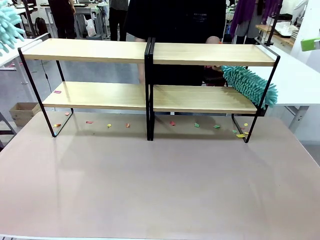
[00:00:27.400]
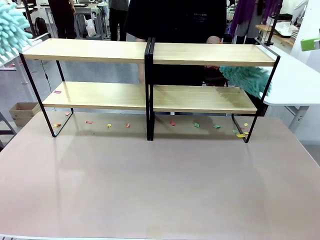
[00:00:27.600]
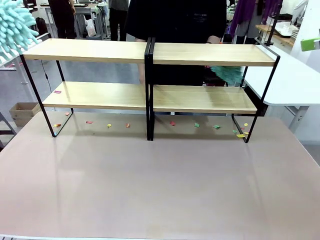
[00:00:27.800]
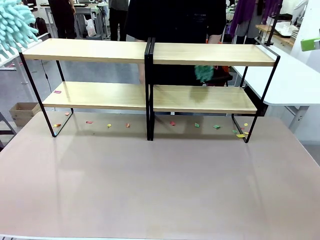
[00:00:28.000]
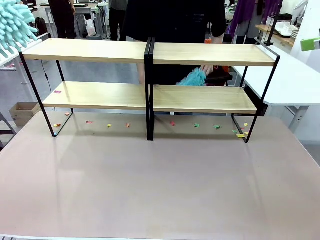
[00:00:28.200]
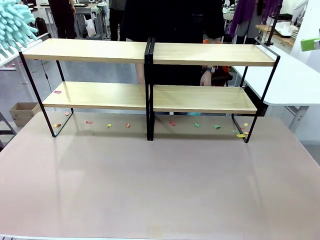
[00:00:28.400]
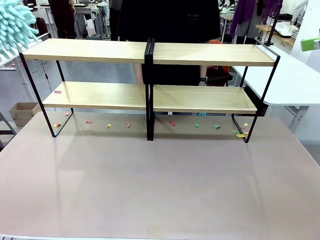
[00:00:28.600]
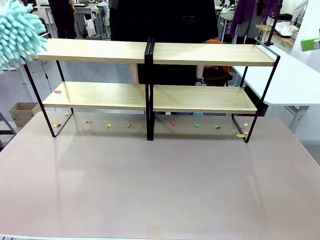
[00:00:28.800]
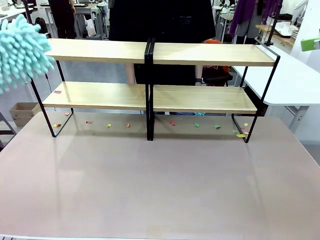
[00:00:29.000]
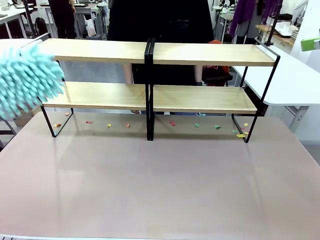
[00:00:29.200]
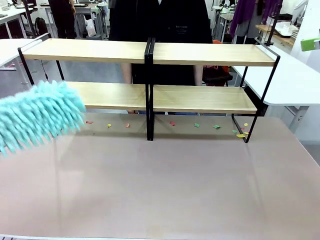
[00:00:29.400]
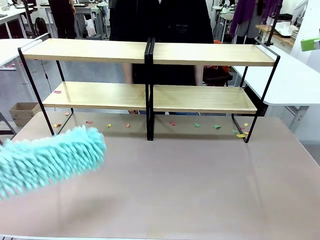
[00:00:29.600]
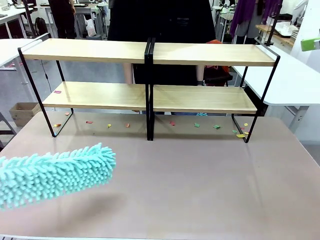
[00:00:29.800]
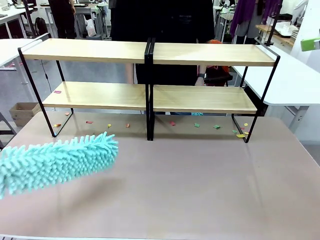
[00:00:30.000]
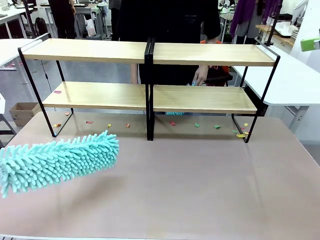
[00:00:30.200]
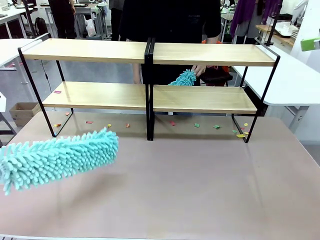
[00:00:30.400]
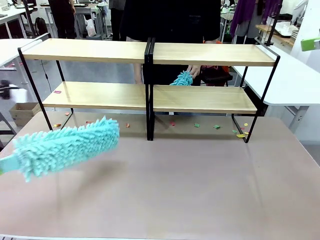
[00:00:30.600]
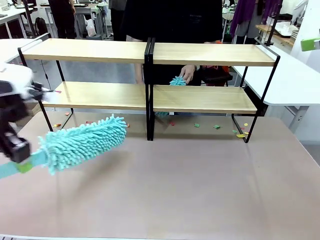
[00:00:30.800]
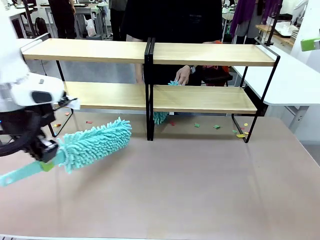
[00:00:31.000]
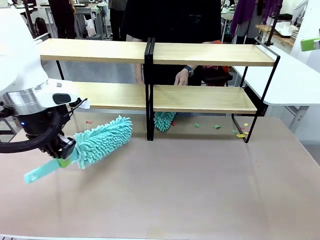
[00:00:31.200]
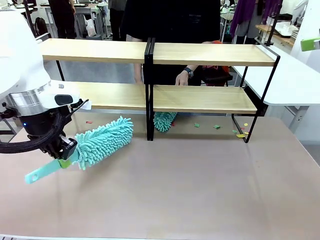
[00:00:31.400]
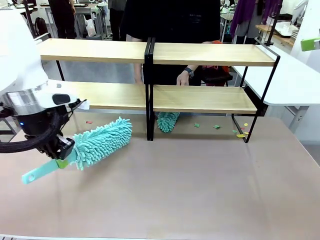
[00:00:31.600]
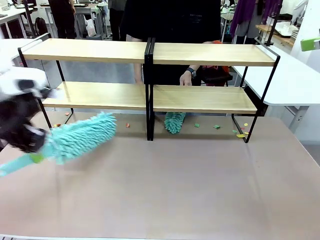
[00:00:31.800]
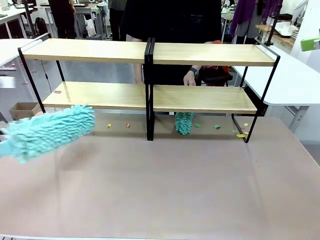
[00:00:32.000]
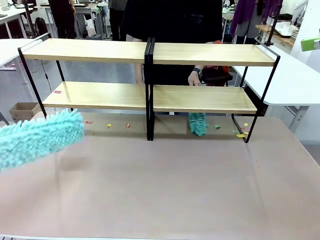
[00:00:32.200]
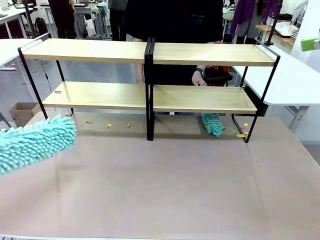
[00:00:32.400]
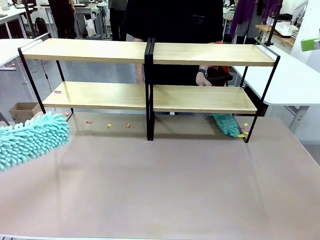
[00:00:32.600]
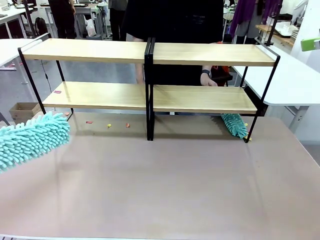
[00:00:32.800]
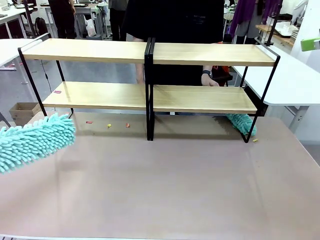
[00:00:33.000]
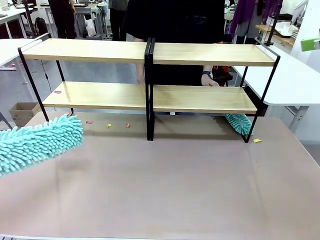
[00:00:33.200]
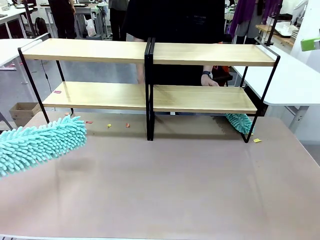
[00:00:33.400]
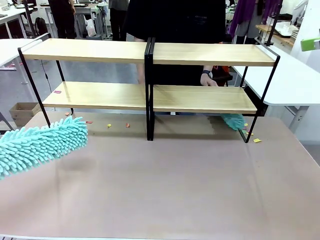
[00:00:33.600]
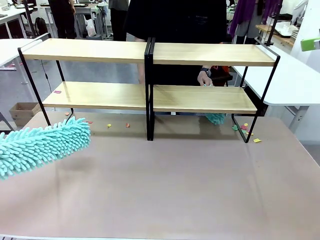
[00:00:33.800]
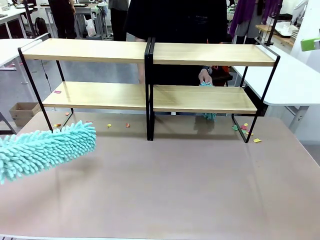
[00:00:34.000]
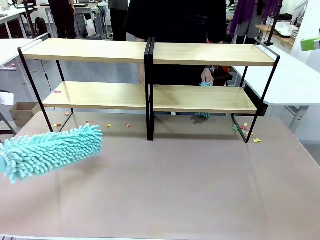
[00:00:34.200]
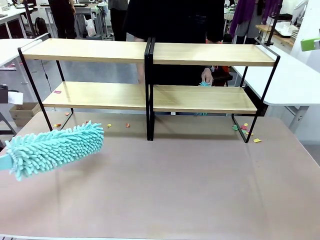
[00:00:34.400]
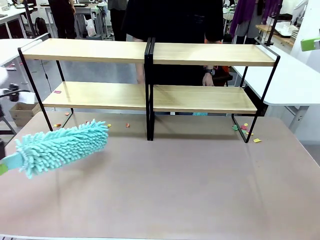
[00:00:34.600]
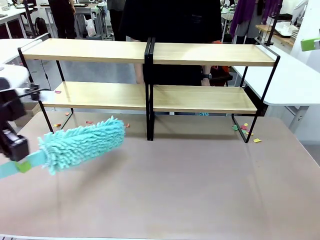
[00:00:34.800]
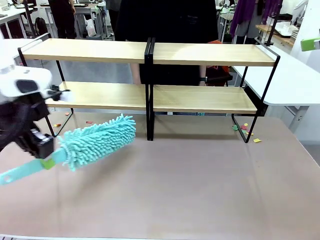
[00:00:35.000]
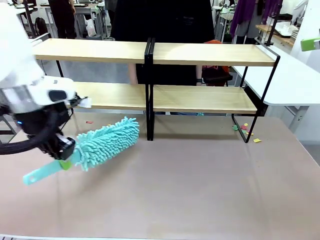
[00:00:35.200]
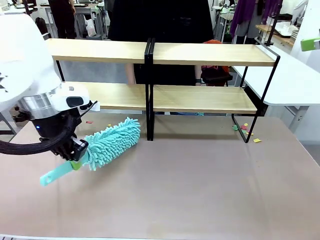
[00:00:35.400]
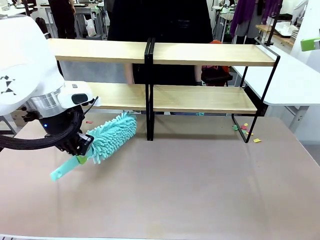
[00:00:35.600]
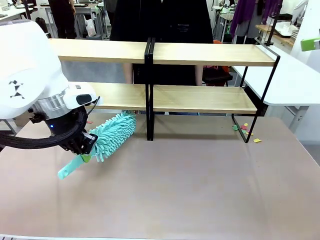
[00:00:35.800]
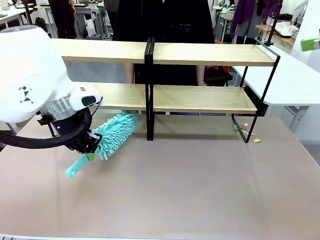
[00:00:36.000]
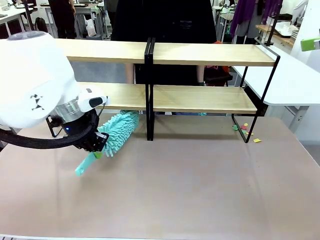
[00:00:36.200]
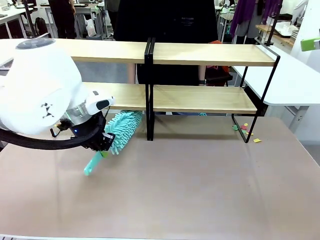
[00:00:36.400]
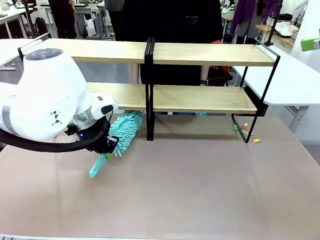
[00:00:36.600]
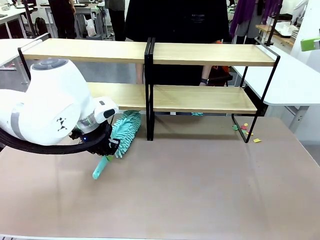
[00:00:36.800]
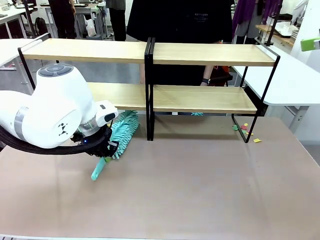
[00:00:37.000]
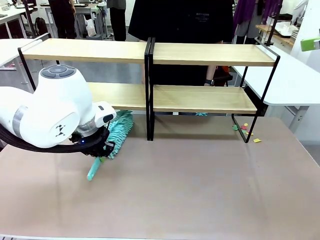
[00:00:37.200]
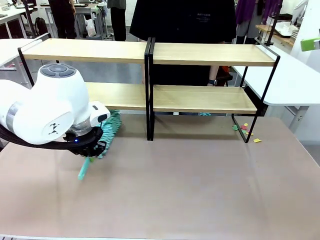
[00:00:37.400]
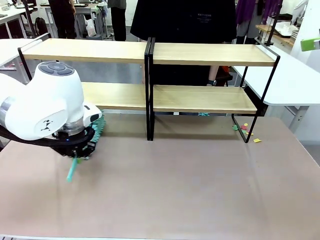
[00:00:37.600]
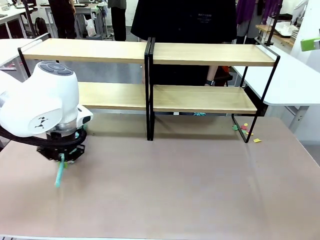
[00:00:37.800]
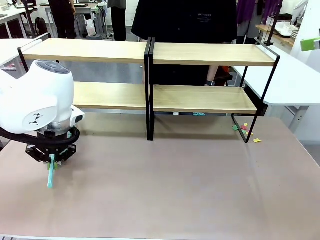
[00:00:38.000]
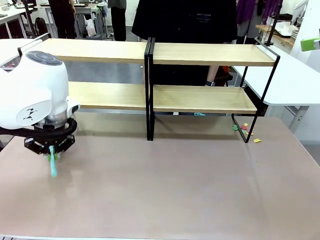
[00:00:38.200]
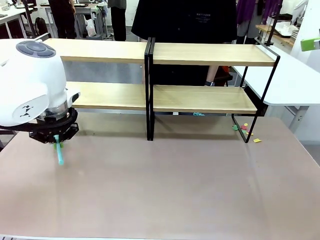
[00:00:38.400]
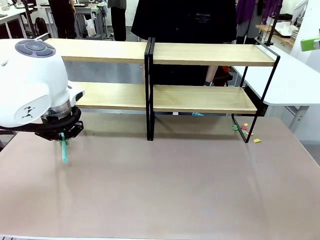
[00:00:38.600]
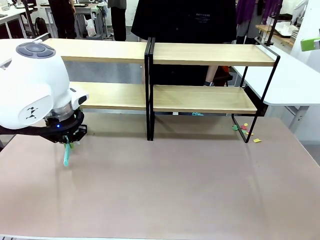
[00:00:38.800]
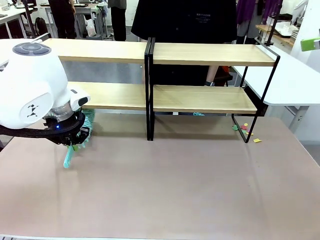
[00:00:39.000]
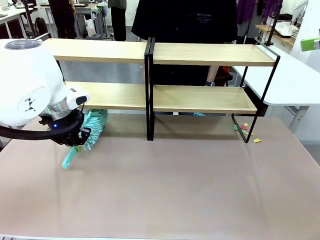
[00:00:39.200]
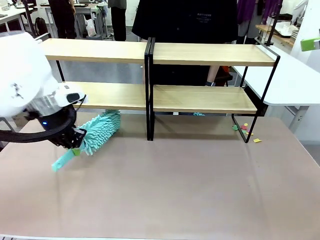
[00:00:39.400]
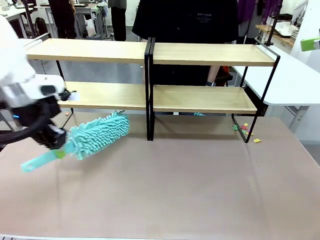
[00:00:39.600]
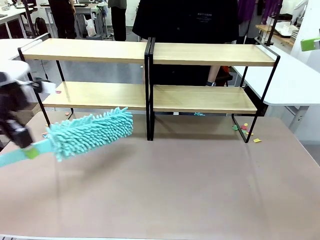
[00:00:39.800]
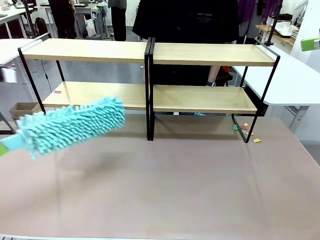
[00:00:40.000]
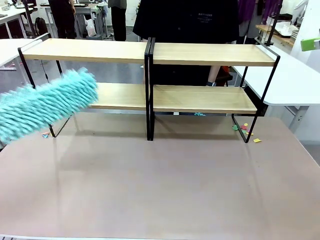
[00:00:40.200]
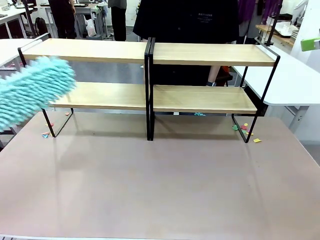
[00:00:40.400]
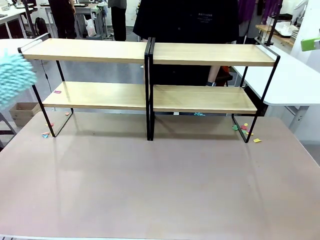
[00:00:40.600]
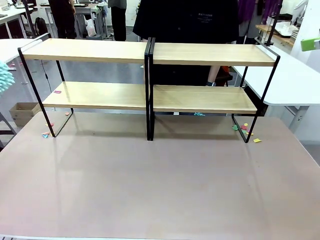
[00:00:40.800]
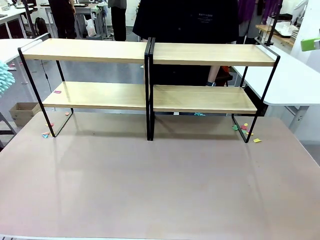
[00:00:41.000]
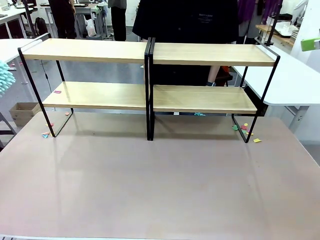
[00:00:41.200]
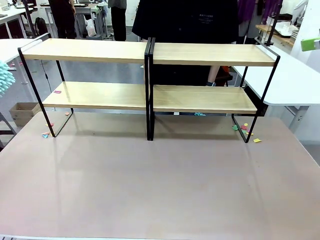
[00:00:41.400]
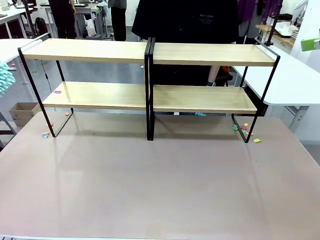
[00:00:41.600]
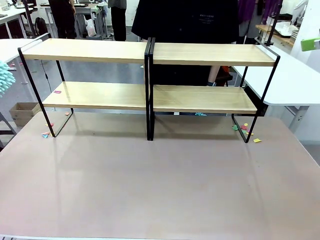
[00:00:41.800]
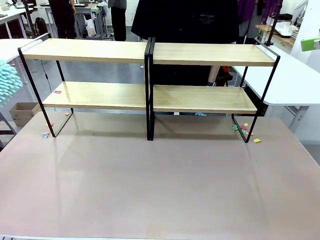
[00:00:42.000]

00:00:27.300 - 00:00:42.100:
Task: Clean the shelves.
Robot: Clean another randomly selected level of the Shelf with the Duster.

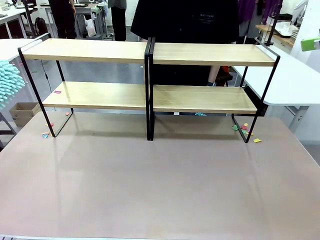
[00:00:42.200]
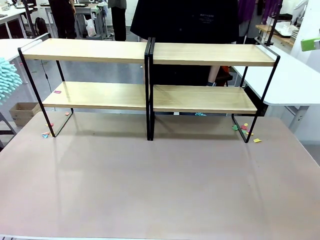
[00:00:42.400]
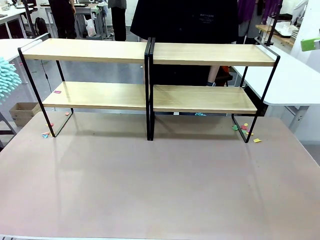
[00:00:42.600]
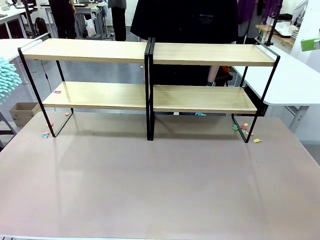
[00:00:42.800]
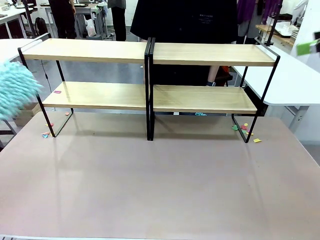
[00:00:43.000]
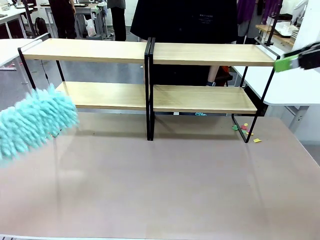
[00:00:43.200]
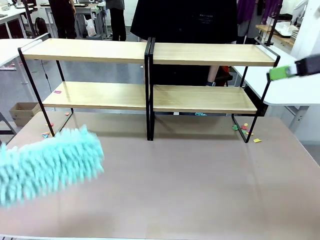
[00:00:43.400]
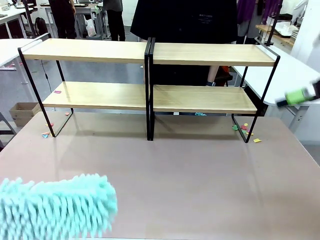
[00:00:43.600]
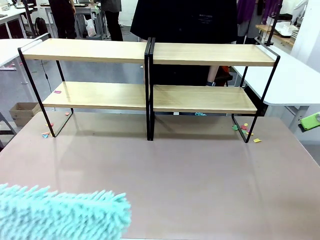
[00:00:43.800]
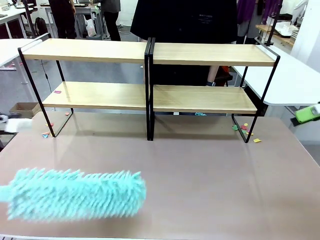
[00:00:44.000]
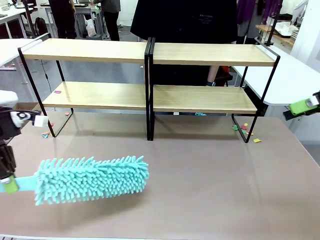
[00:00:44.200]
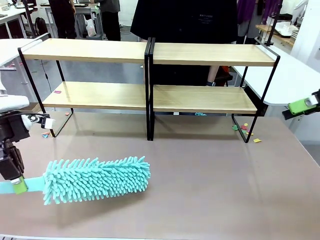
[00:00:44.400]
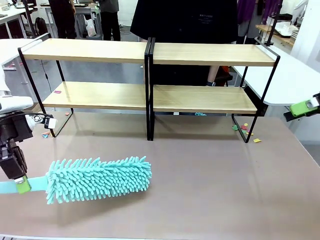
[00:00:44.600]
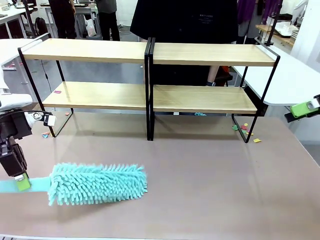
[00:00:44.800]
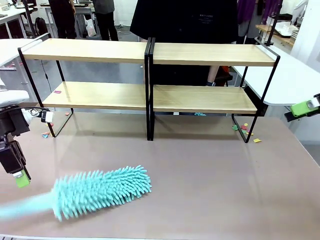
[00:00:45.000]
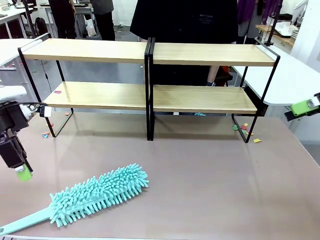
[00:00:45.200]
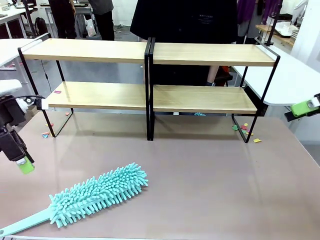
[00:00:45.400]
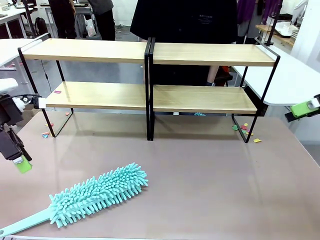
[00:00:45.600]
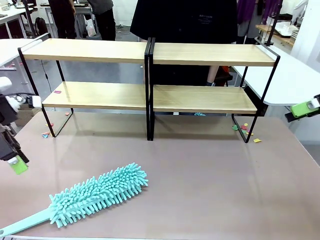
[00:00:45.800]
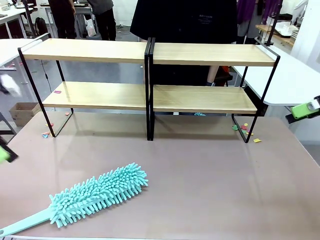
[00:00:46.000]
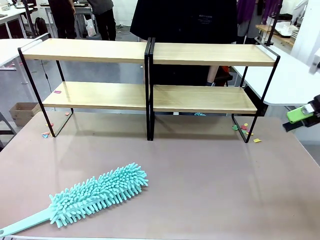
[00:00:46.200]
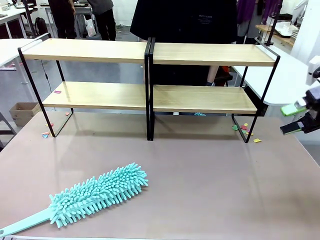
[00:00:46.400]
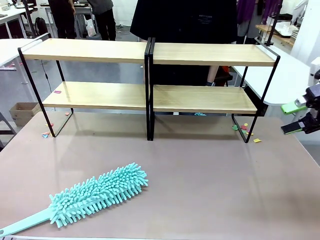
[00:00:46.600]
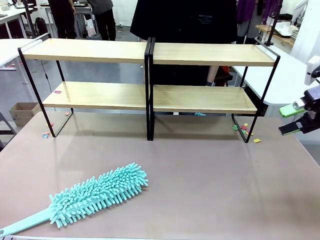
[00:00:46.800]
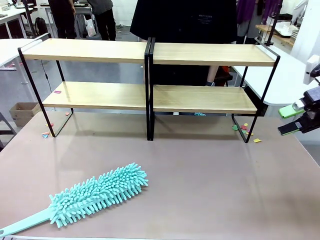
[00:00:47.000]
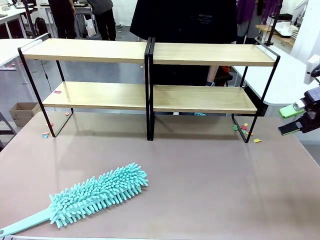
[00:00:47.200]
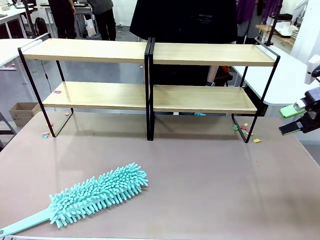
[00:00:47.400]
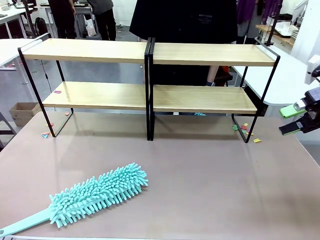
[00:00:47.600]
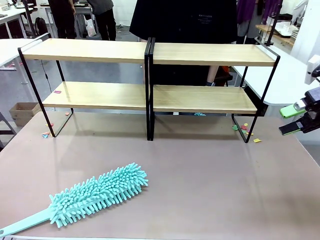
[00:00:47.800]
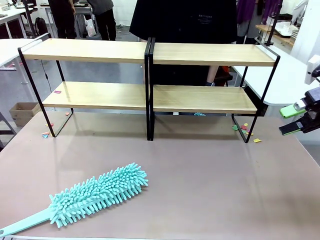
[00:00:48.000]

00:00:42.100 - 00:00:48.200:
Robot: Place the Duster on the table.
